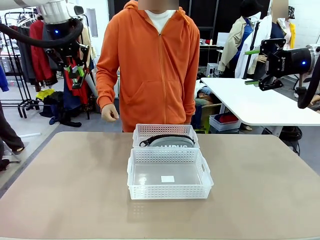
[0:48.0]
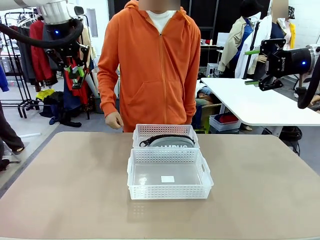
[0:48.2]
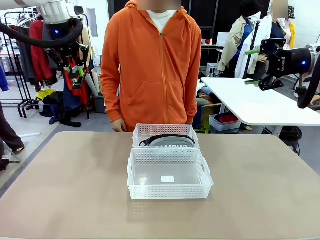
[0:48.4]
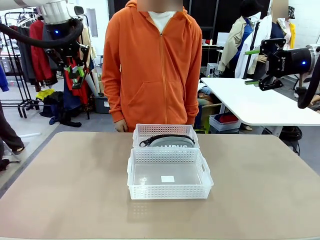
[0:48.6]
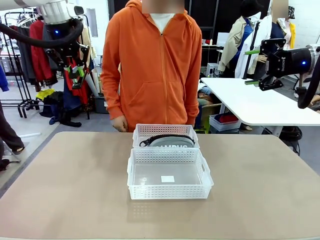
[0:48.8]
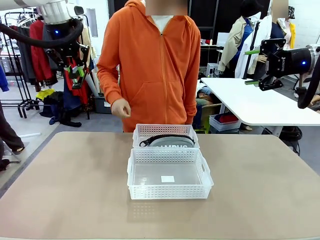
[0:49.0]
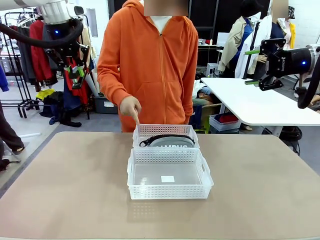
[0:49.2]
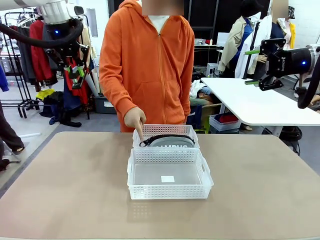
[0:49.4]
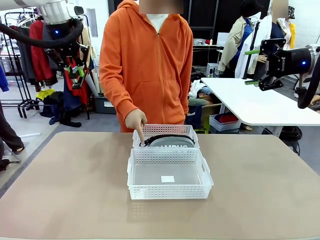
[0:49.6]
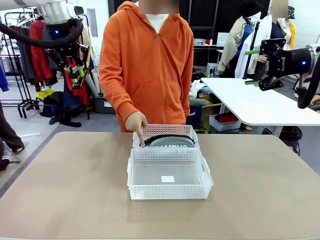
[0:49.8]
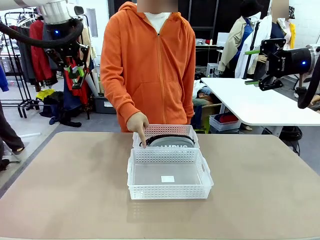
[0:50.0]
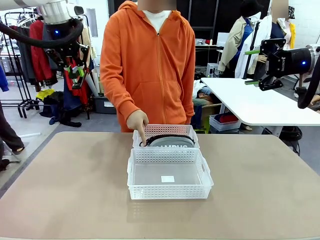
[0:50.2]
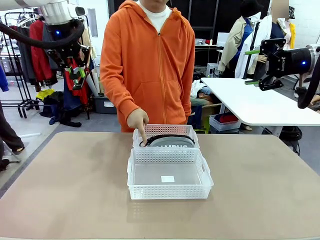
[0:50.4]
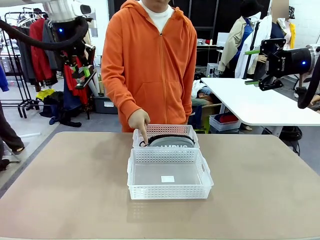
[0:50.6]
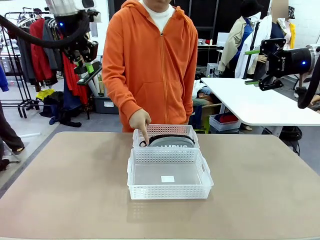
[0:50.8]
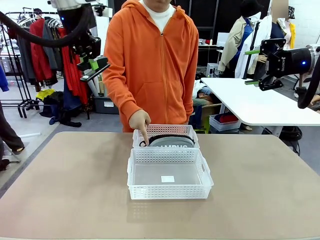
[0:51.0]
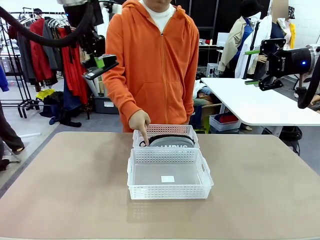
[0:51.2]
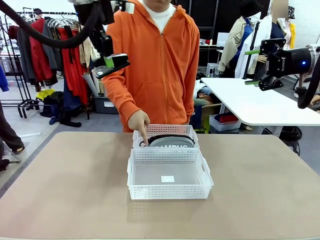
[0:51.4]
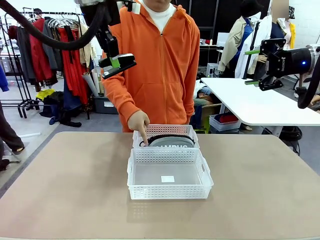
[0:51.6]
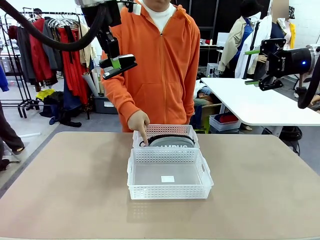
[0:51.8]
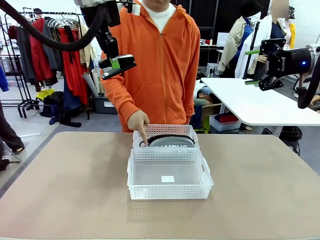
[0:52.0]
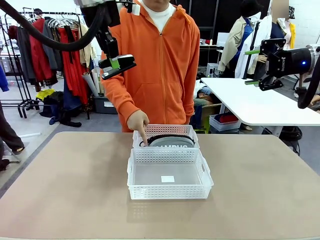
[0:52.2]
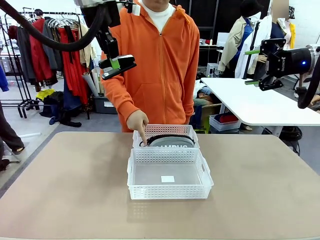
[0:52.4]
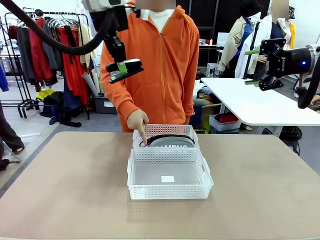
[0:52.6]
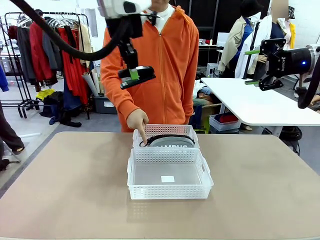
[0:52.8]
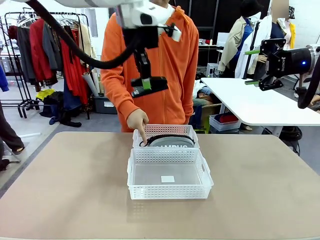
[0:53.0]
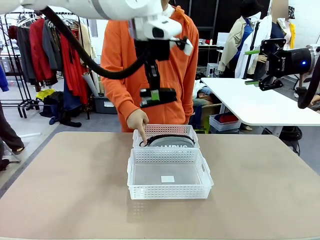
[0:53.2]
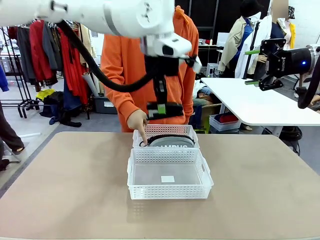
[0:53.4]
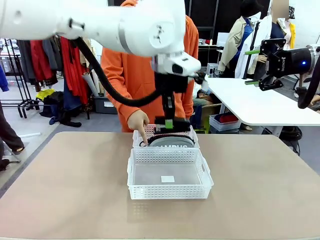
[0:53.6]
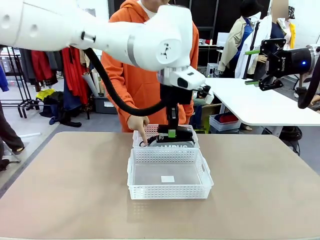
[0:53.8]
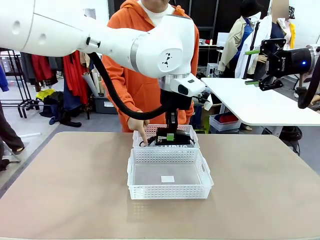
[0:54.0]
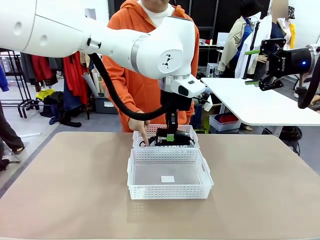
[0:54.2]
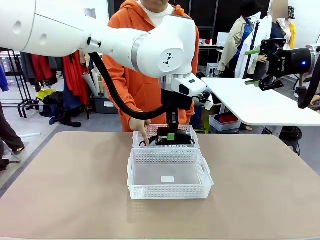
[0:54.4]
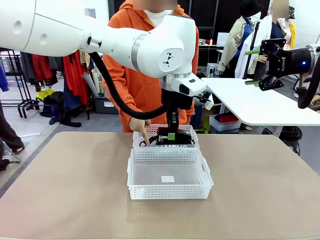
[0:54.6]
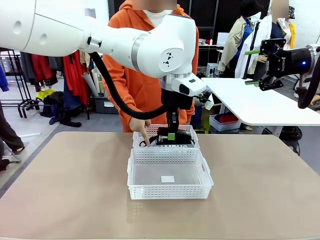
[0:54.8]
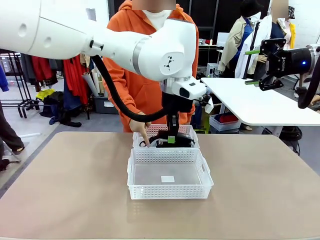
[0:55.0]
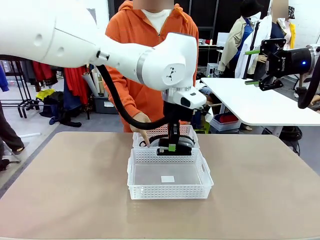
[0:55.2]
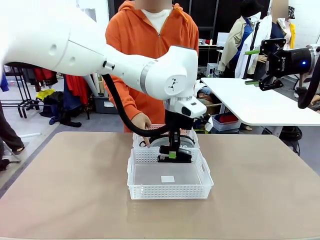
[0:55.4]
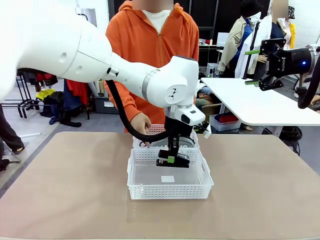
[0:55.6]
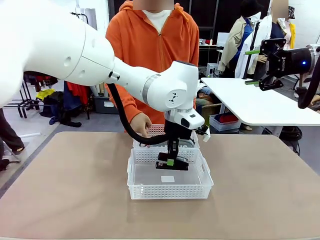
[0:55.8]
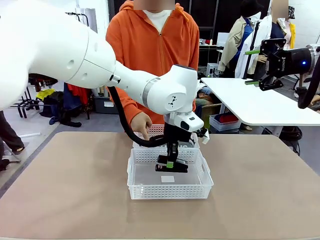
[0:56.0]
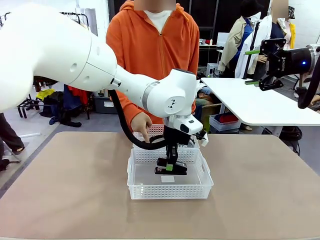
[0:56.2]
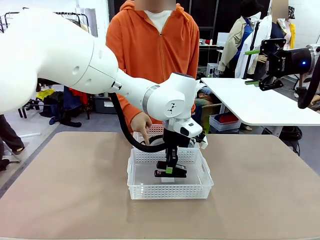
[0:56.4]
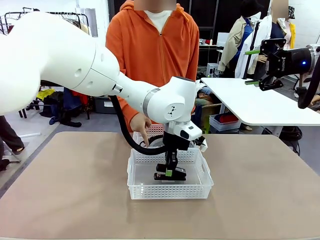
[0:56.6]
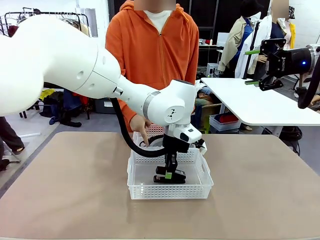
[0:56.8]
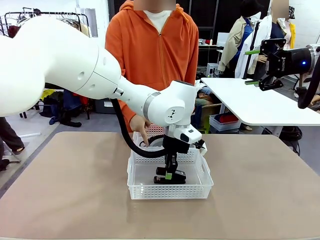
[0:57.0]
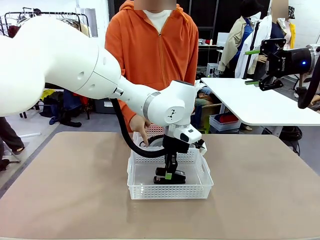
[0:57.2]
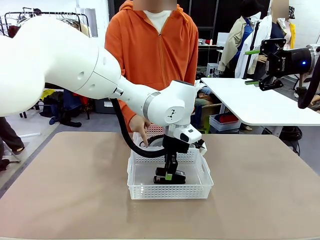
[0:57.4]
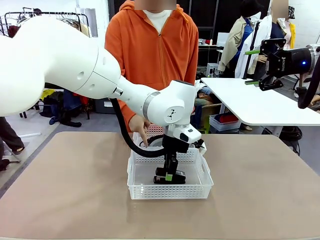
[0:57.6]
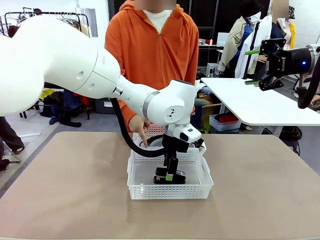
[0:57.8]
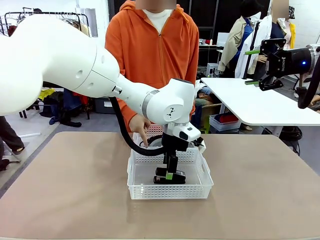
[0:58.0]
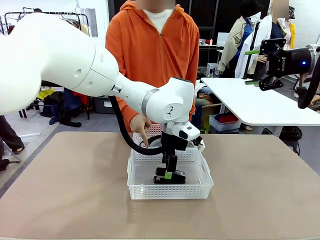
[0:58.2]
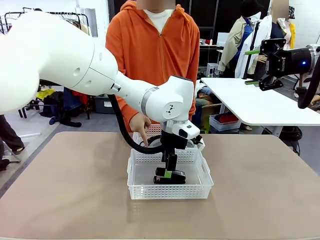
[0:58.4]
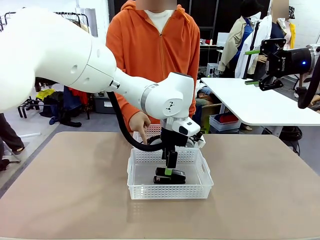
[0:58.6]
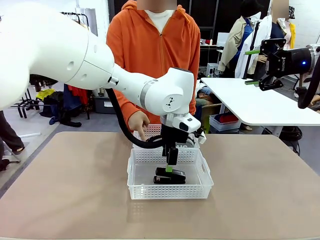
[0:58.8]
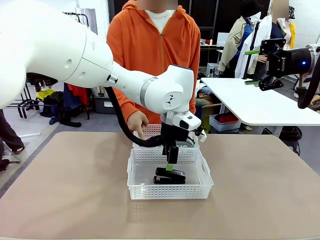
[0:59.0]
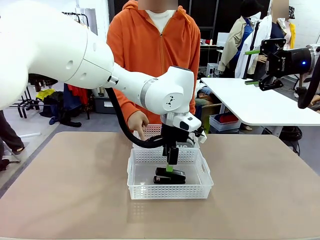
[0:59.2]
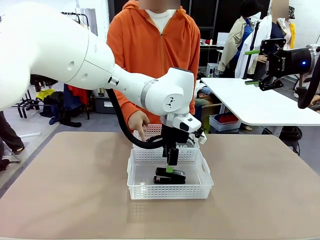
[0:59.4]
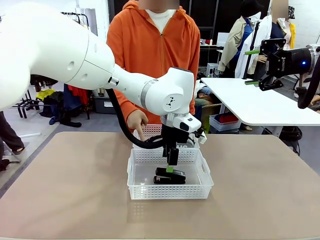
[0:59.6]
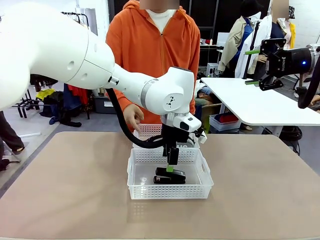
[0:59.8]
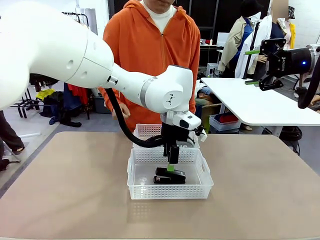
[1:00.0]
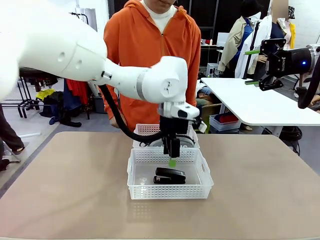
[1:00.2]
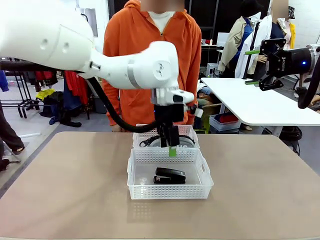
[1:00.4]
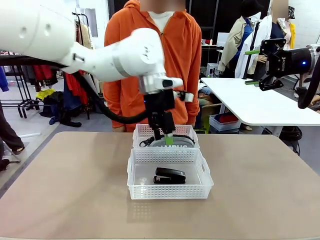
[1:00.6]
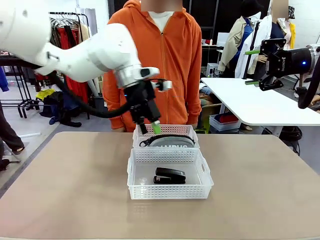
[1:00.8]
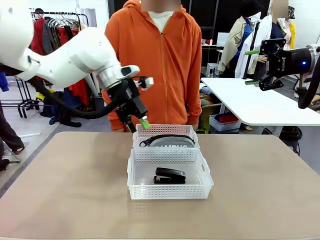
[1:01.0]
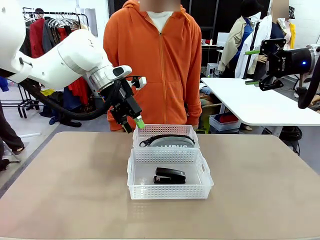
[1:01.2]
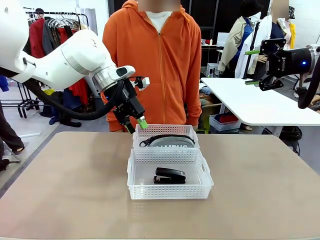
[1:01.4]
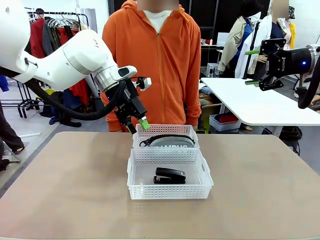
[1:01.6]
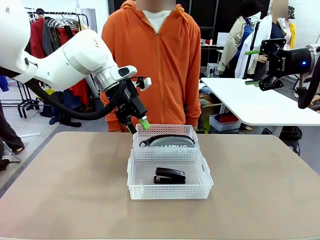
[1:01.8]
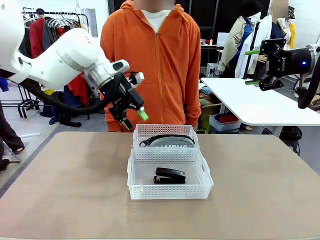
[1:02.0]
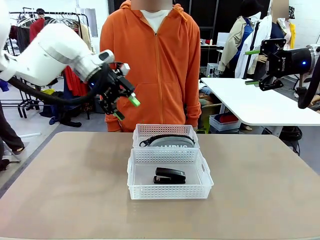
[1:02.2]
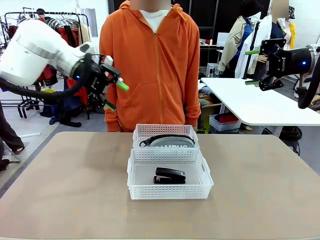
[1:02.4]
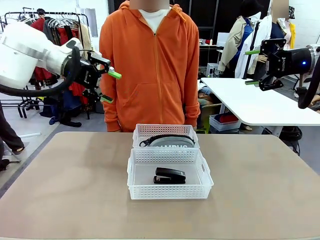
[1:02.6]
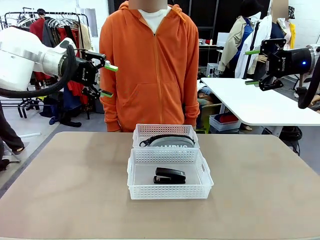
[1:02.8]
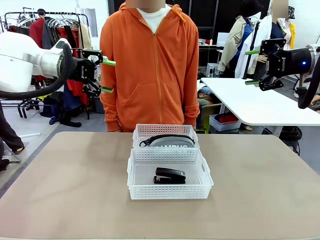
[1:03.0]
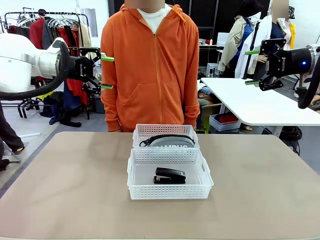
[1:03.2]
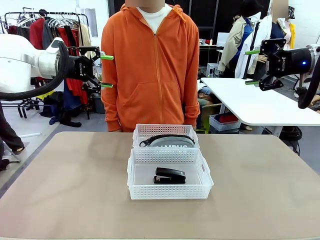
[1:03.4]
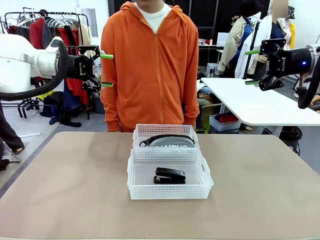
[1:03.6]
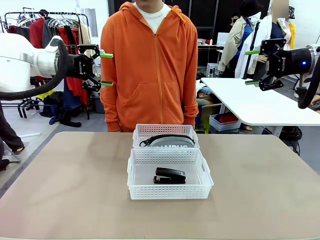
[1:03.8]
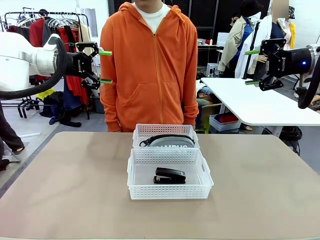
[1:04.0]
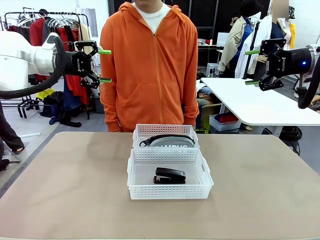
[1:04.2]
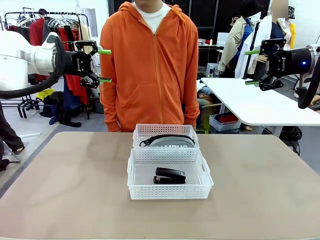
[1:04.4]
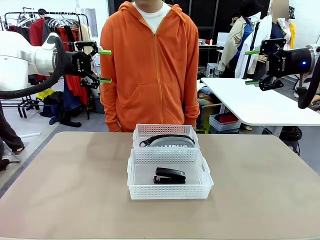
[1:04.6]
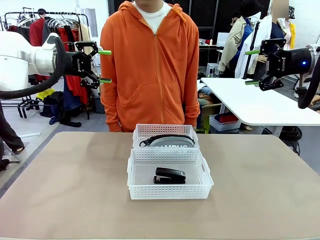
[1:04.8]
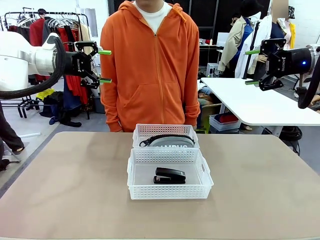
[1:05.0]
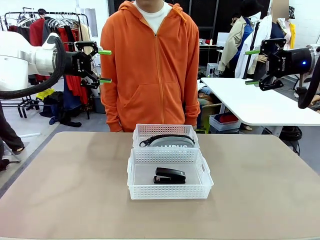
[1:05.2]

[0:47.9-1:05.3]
Task: Distribute items into two baskets.
Robot: Place the picked Stapler into the Organizing basket as instructed by the person.
Person: Points to the basket that does not contain the pencil case and instructs the robot to move the stapler there.
